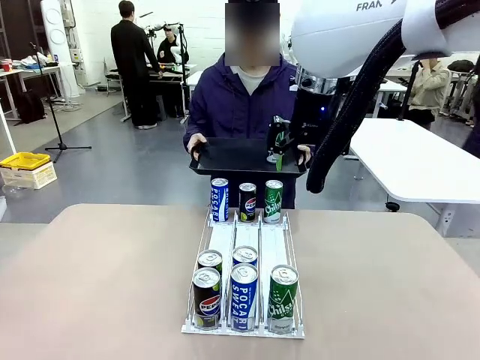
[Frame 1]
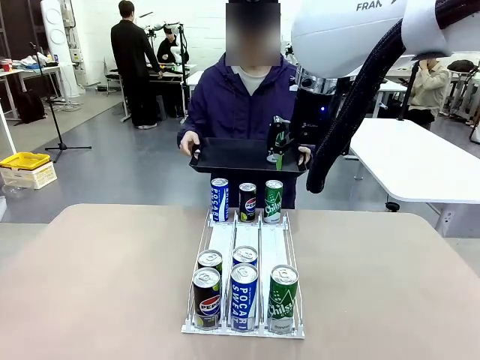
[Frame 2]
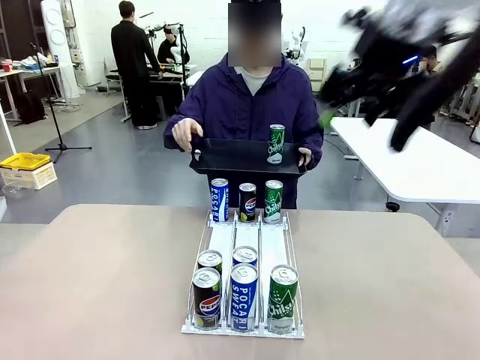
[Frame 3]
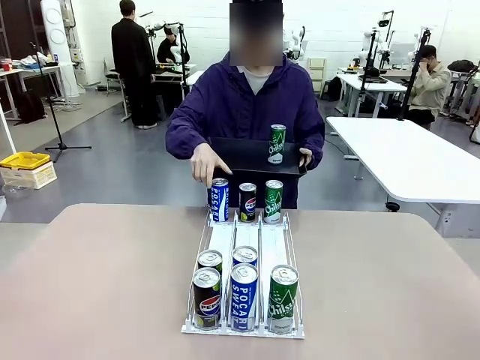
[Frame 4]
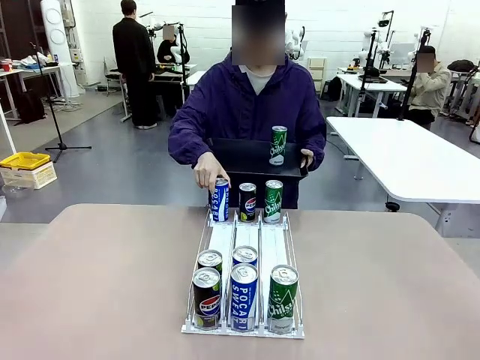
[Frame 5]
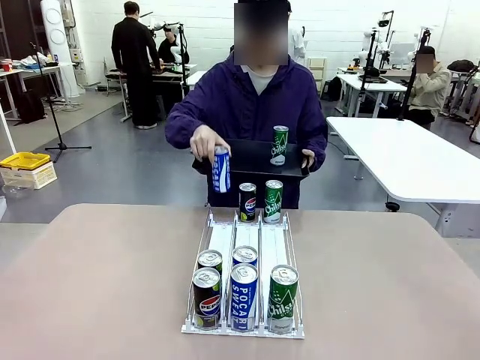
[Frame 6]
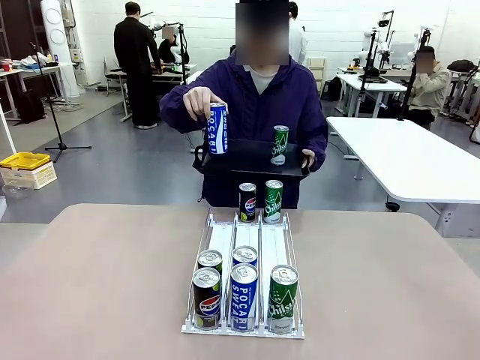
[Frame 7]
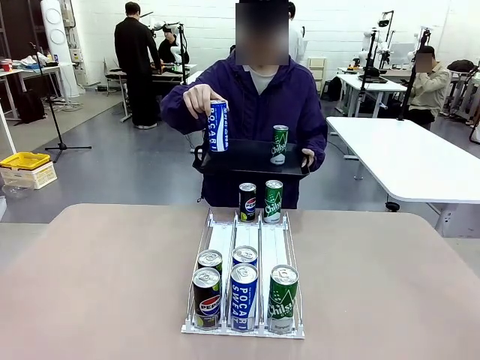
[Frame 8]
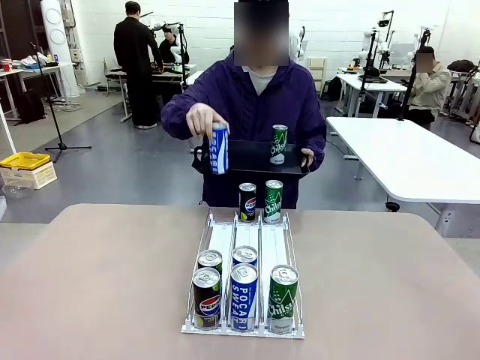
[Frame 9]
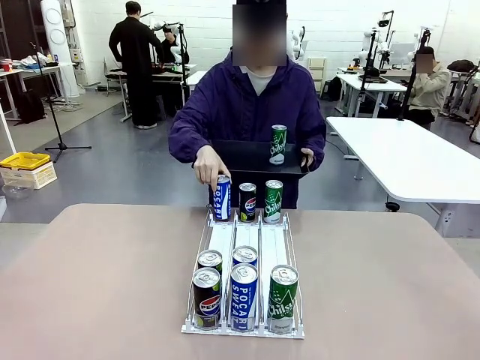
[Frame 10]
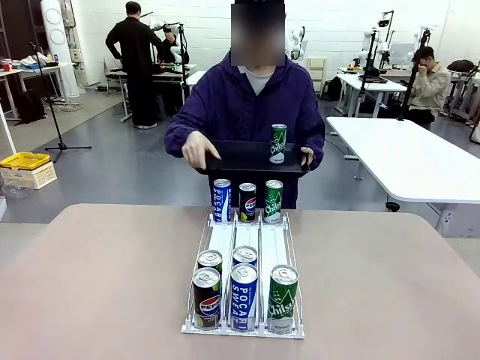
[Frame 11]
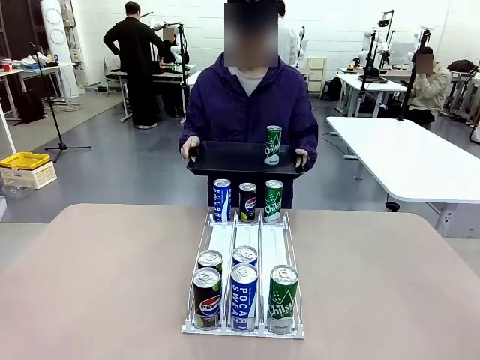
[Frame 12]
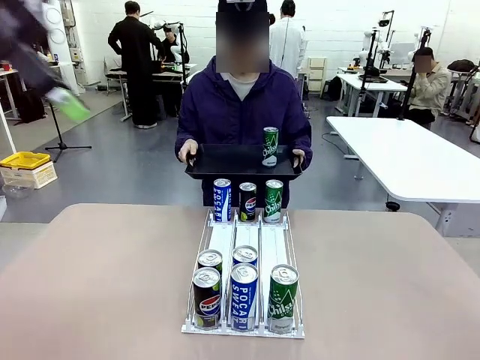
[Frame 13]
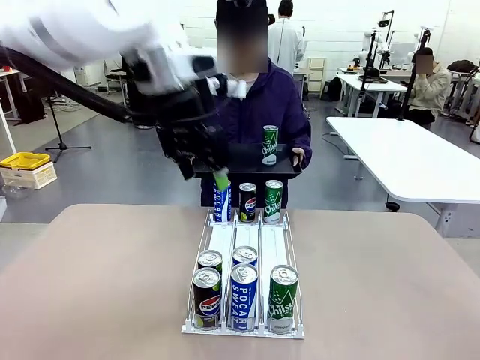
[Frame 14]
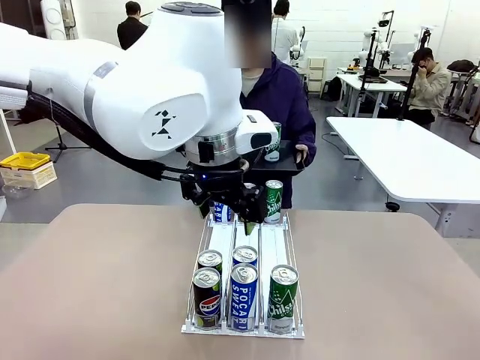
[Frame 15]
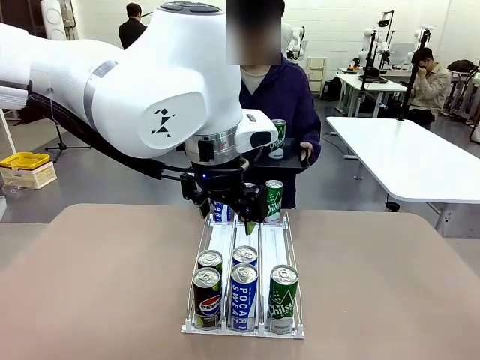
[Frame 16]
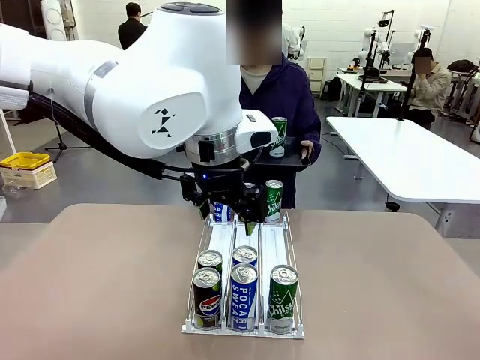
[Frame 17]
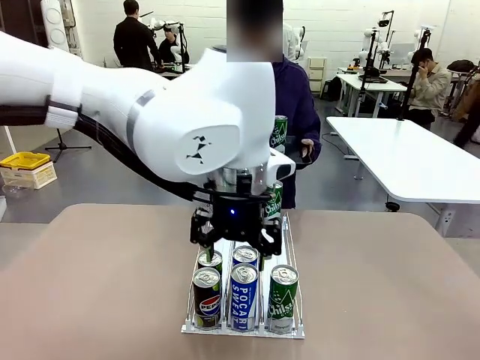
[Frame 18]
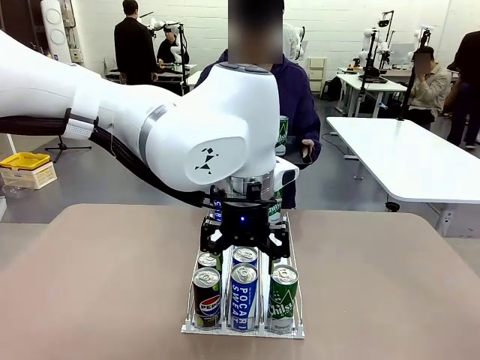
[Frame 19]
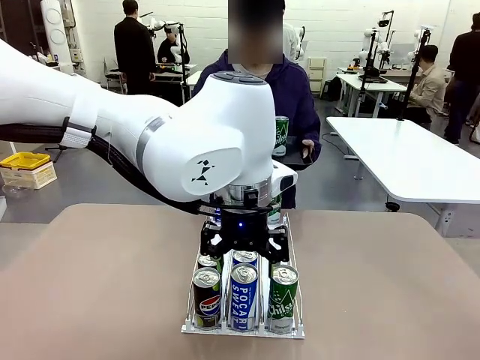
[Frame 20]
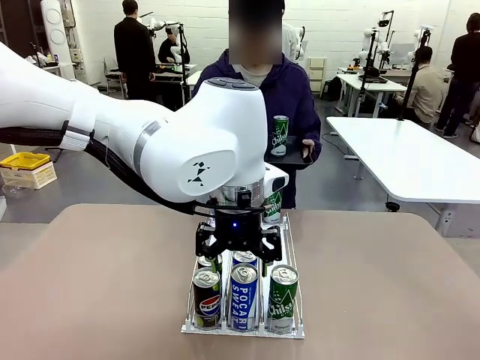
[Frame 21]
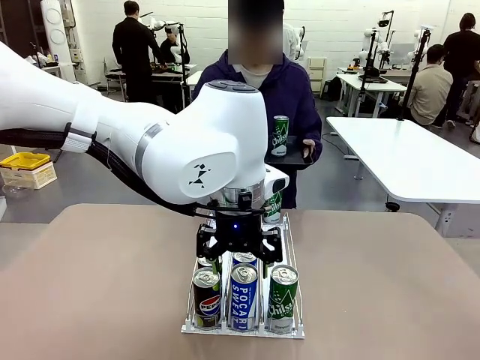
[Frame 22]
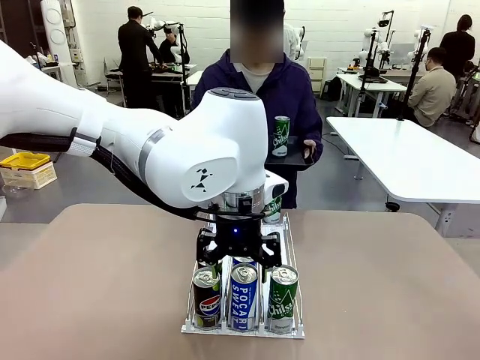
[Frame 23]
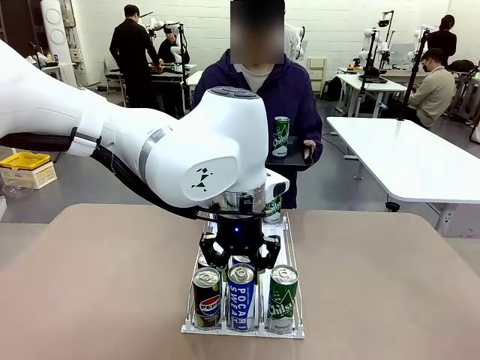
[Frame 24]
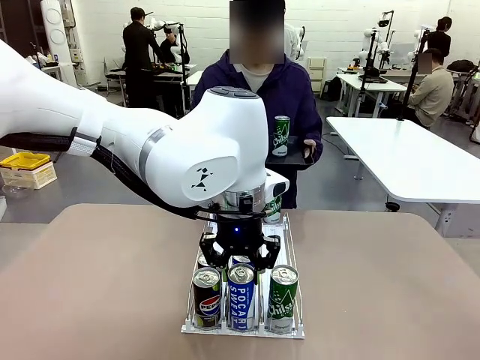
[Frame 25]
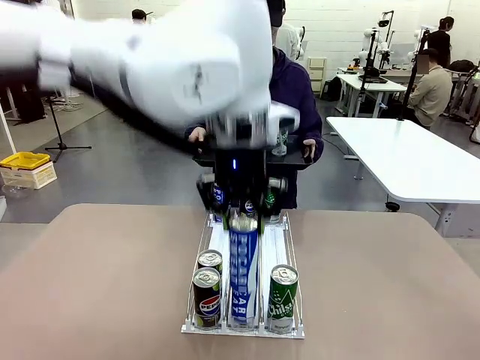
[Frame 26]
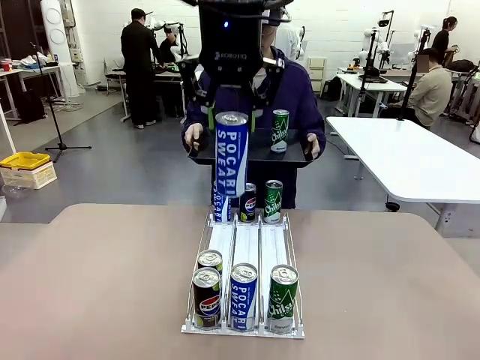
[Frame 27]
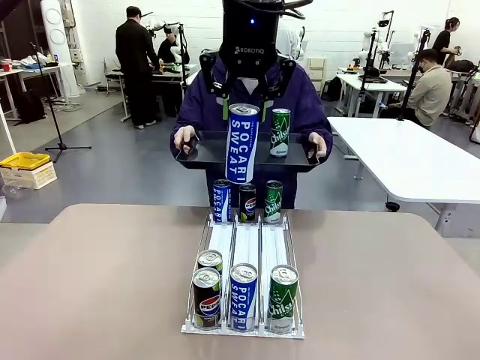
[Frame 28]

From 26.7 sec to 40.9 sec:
Task: Retrieve and hand over the desired beverage to the person.
Robot: Pick up another can of the same type that the person held from the Automatic Can Dispenser.
Person: Pull the tray back, then pick up another can from the bottom area of the table and puts it back in its original place. Push the tray toward the robot again.

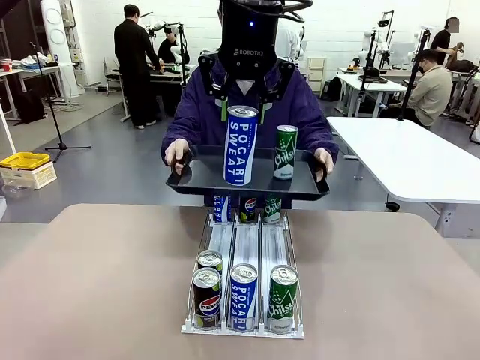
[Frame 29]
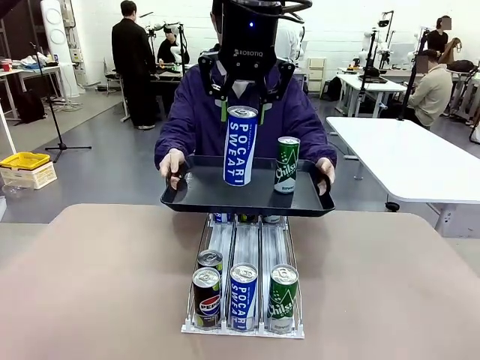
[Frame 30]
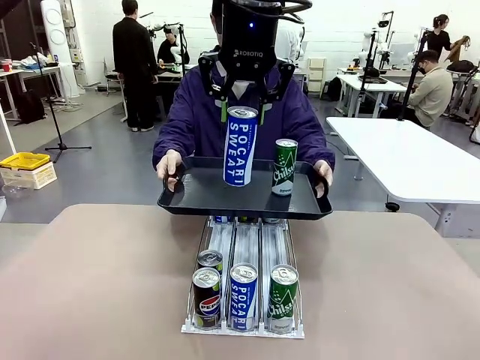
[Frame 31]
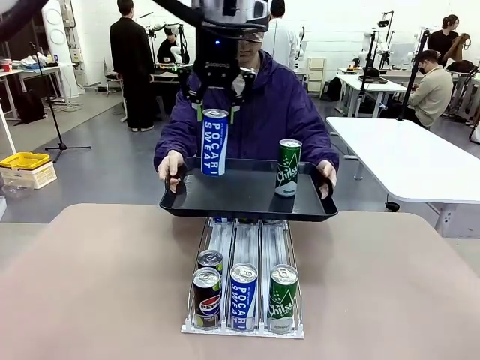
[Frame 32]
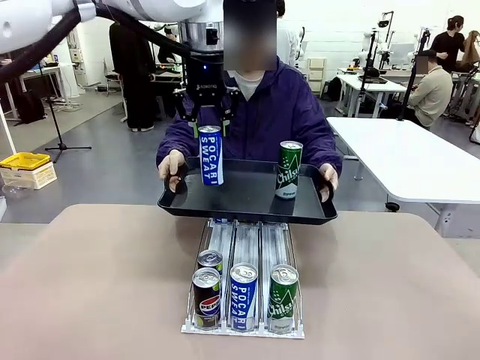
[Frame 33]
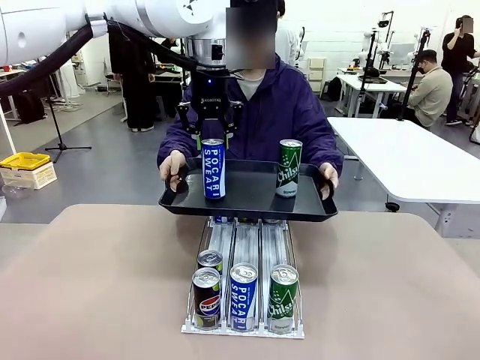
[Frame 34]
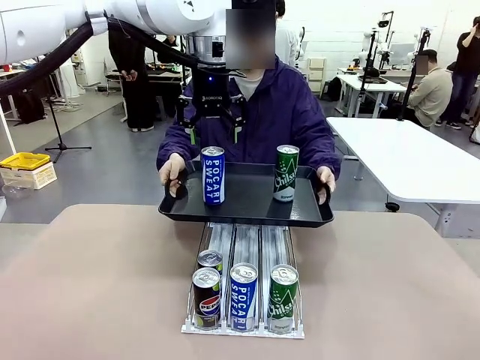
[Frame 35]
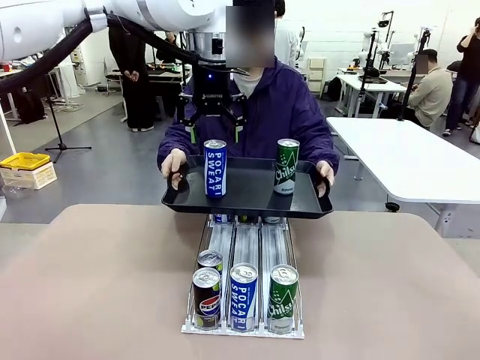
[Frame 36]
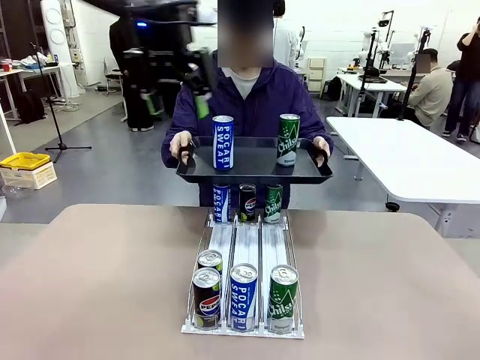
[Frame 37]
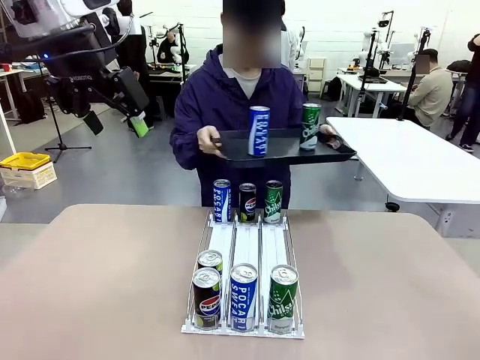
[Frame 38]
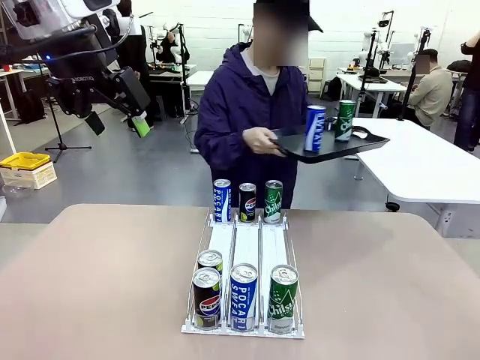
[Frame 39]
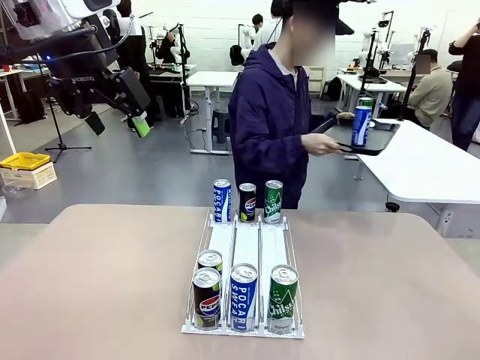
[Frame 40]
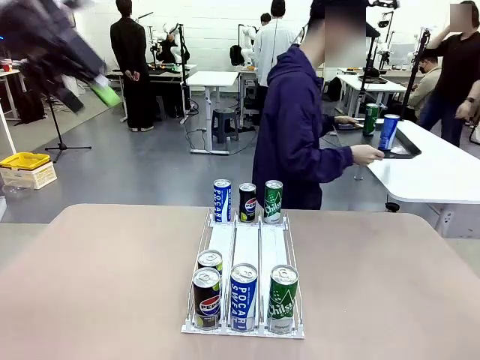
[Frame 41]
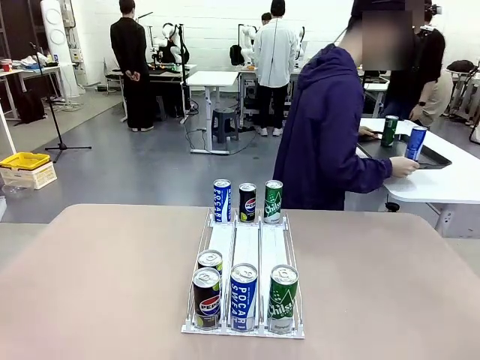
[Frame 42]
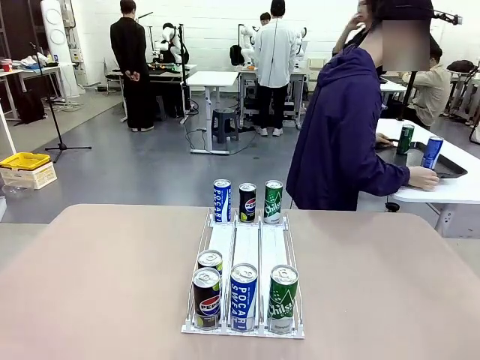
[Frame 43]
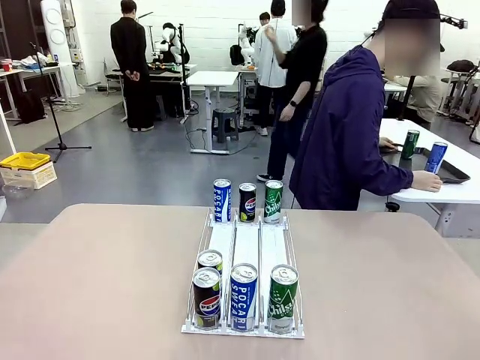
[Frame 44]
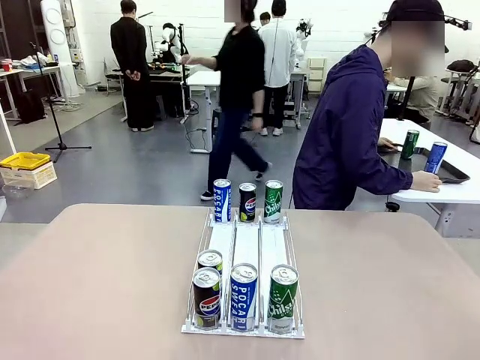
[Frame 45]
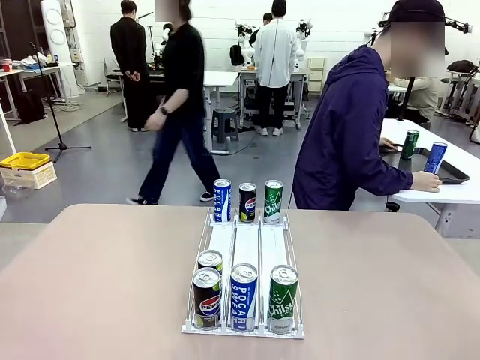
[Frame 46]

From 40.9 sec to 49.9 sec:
Robot: Place the picked can on the Handle tray extended by the person.
Person: Pull the tray back and place it at the center of the human table.

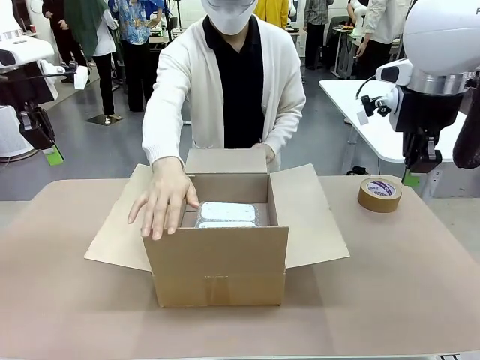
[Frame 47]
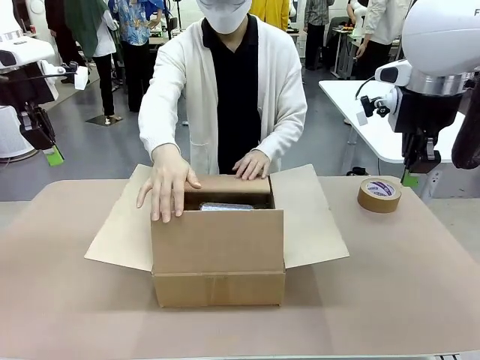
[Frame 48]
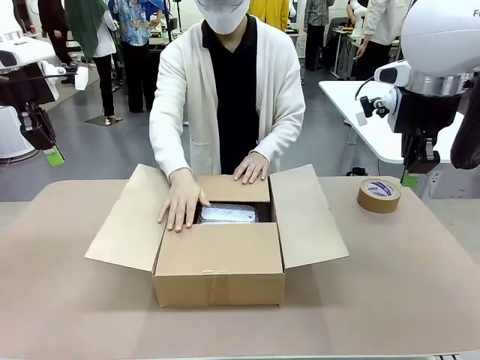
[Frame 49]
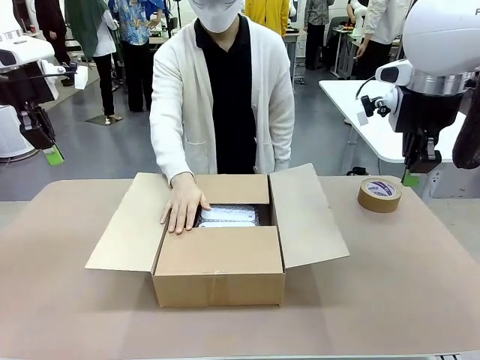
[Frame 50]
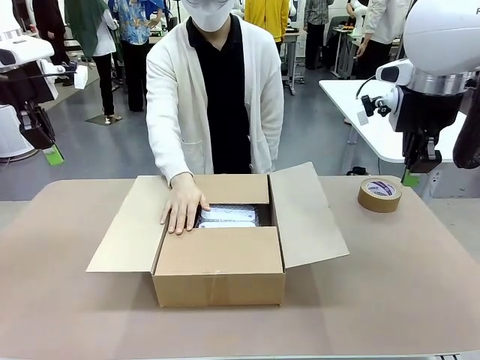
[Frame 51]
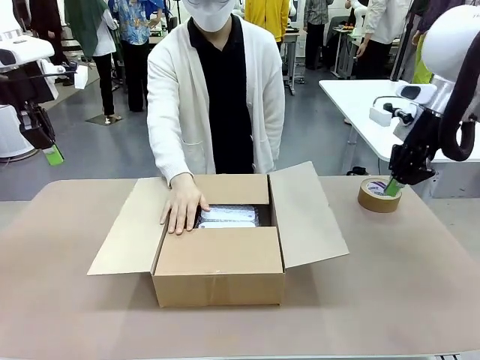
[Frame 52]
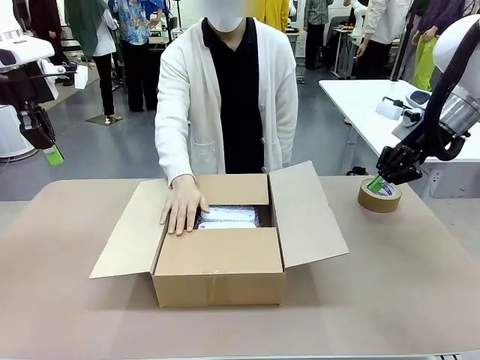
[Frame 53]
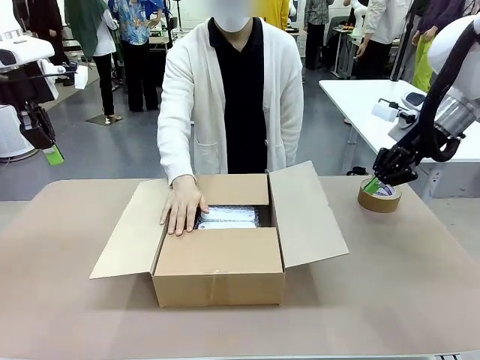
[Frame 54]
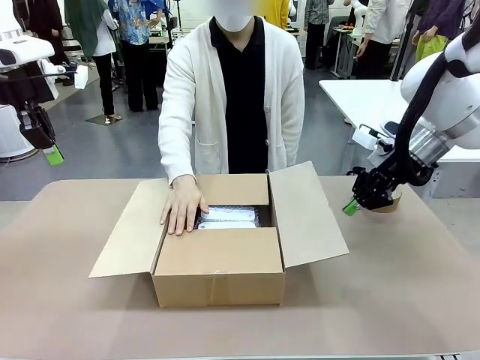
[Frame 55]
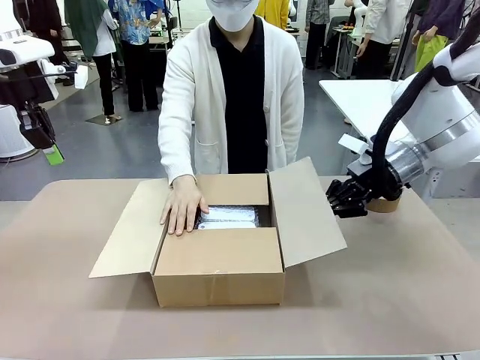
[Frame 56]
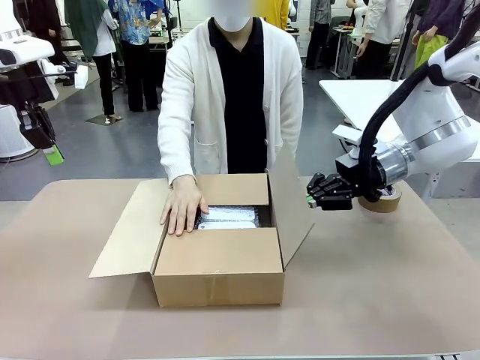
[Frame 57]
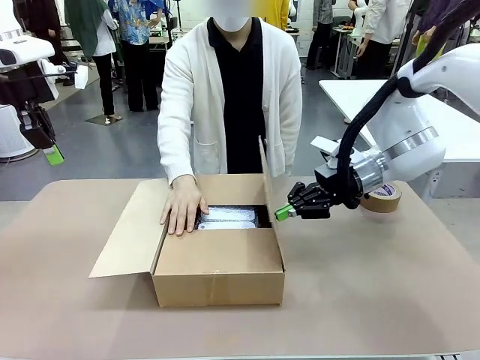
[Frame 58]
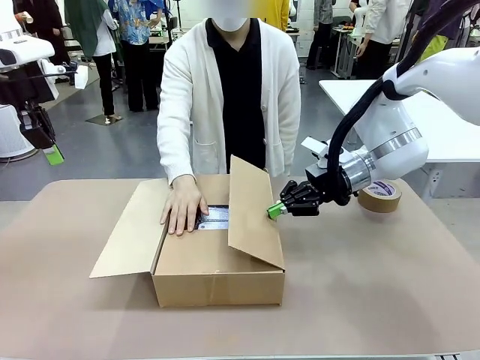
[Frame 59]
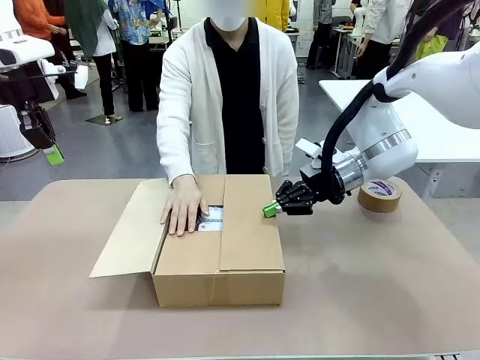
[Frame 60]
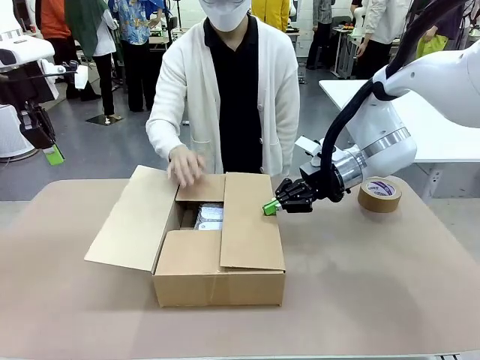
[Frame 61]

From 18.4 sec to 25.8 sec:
Task: Wrap the clocks to prevent damage.
Robot: Push the right (or left) flap of the Package Box to close it.
Person: Once the robot closes the right flap of the Package Box , release your left hand from the box.
